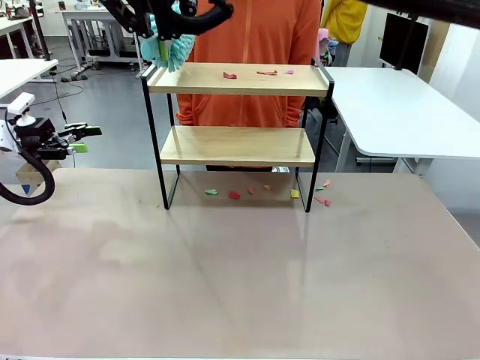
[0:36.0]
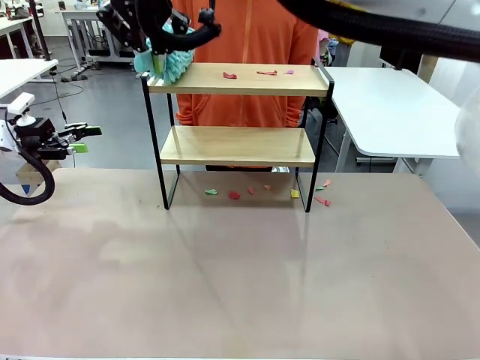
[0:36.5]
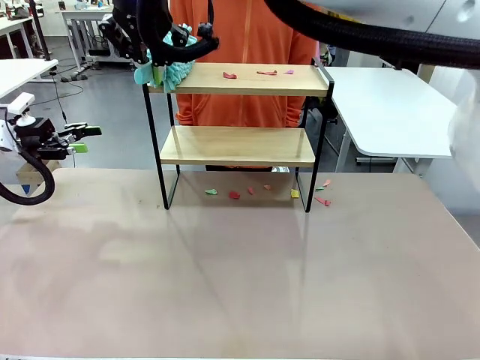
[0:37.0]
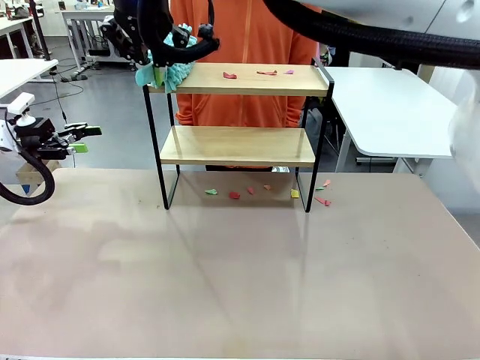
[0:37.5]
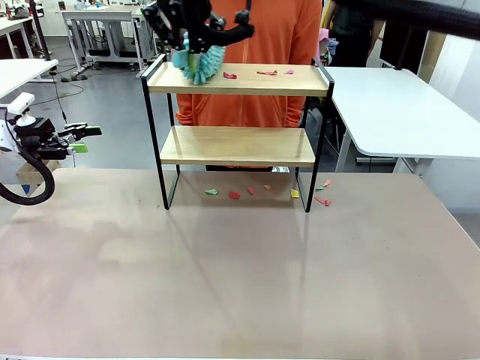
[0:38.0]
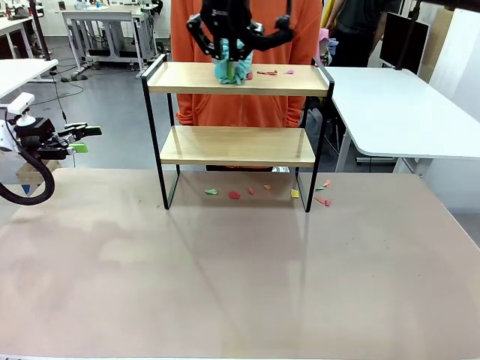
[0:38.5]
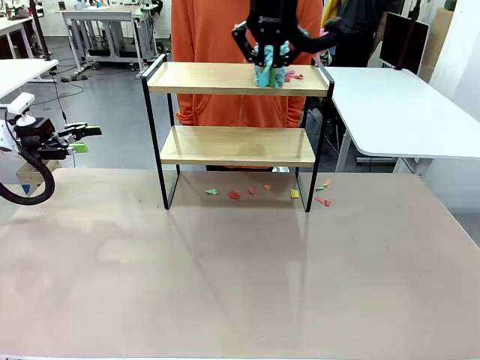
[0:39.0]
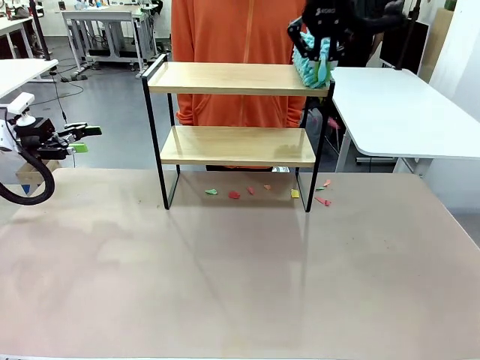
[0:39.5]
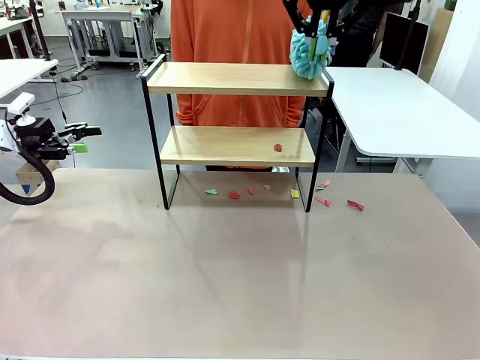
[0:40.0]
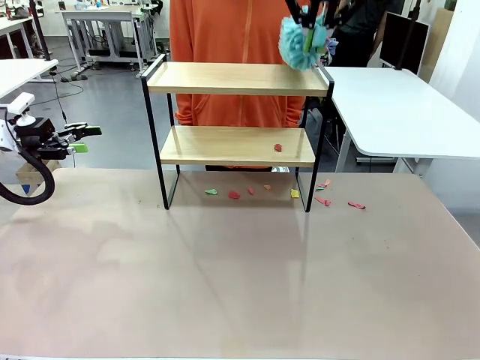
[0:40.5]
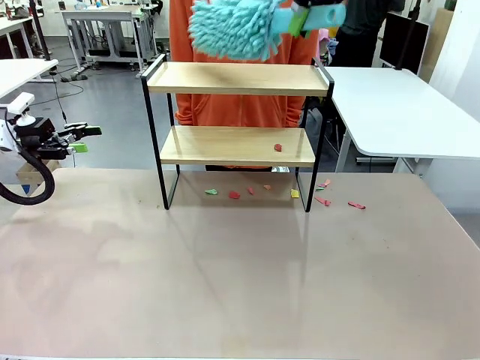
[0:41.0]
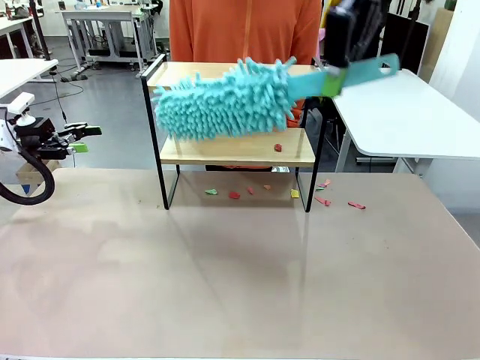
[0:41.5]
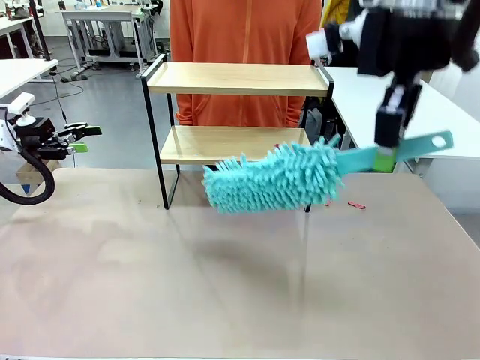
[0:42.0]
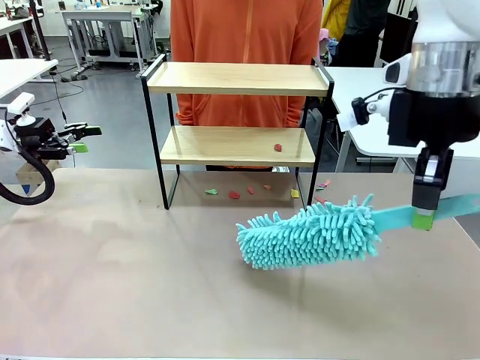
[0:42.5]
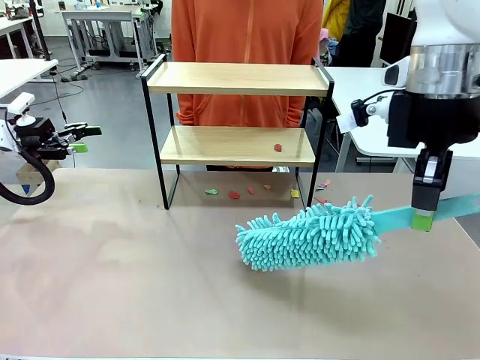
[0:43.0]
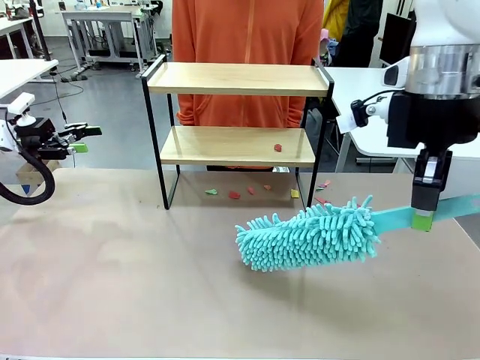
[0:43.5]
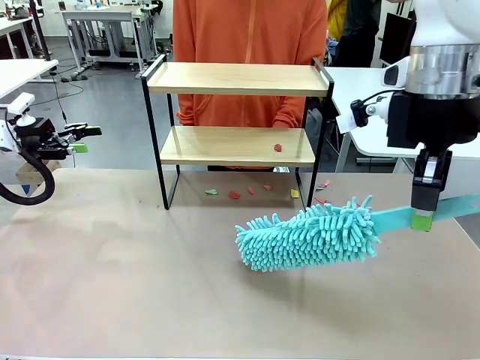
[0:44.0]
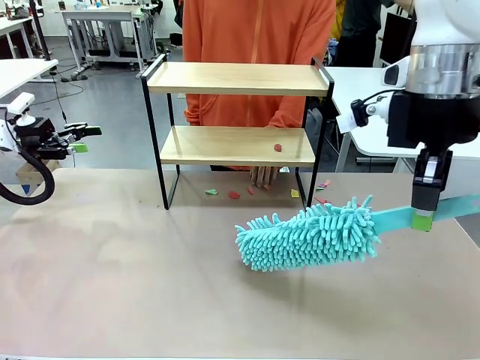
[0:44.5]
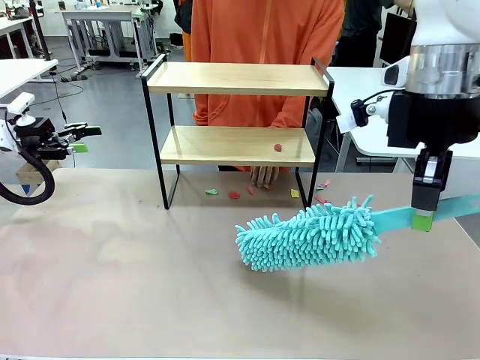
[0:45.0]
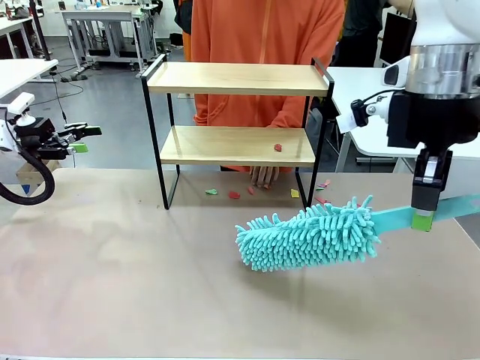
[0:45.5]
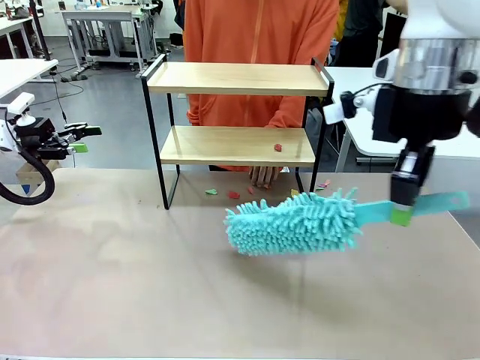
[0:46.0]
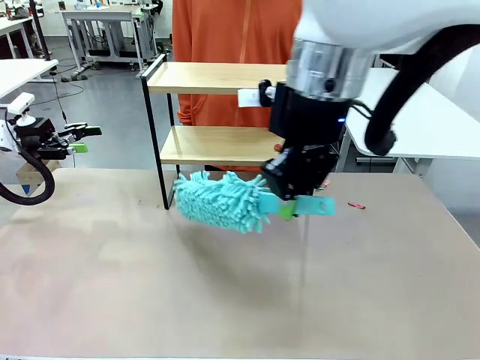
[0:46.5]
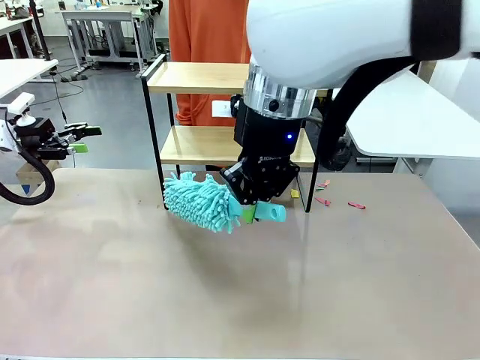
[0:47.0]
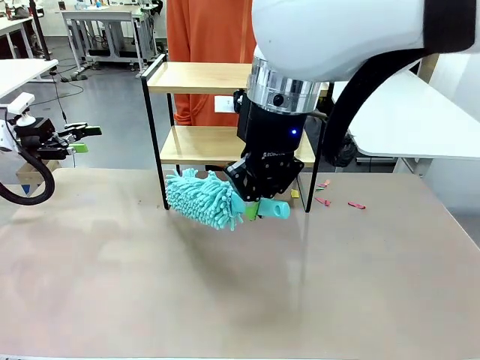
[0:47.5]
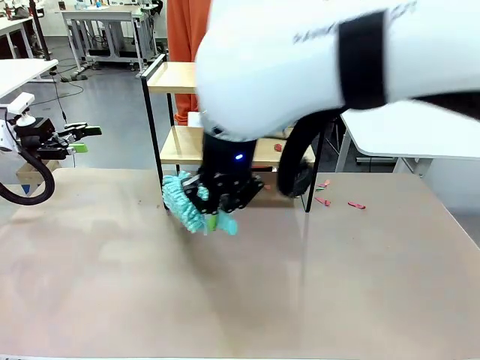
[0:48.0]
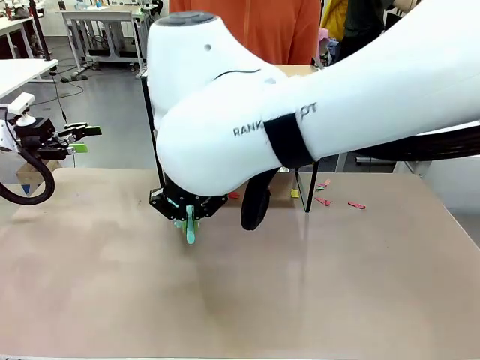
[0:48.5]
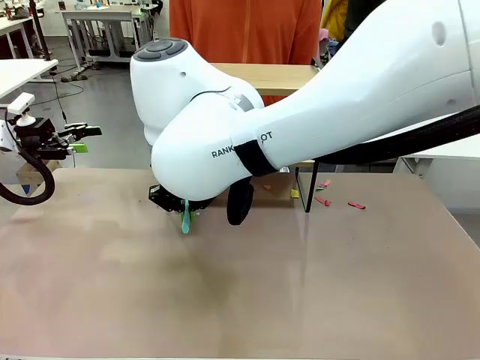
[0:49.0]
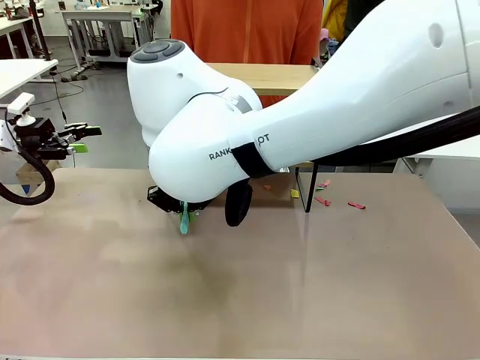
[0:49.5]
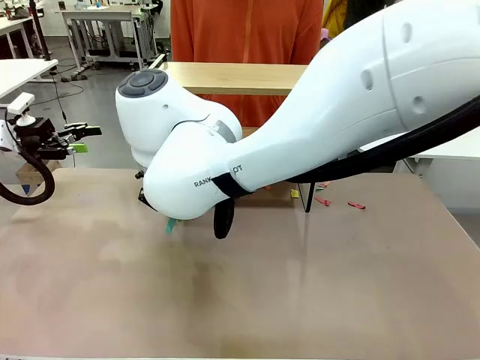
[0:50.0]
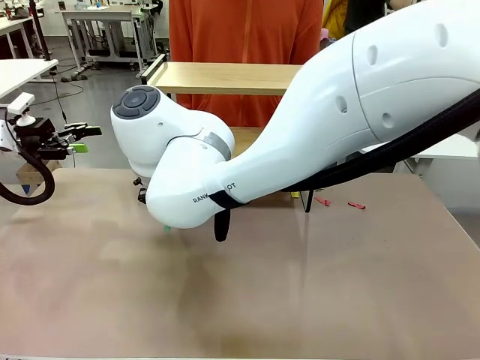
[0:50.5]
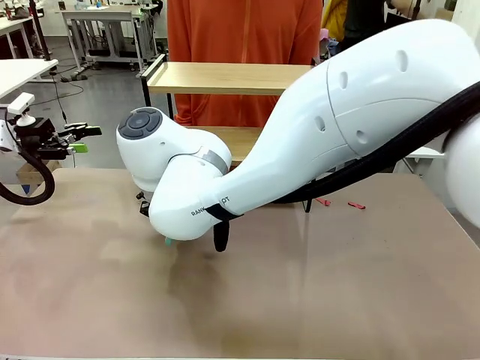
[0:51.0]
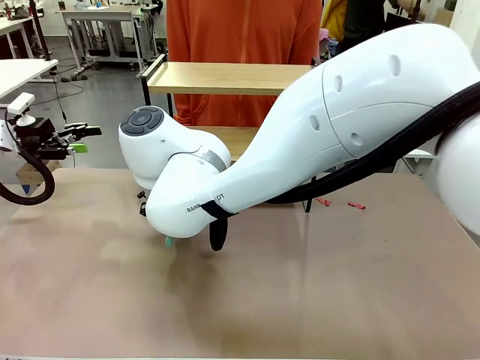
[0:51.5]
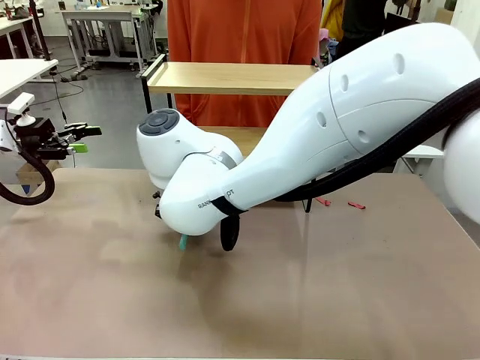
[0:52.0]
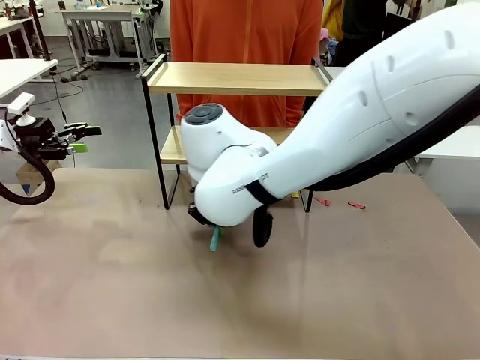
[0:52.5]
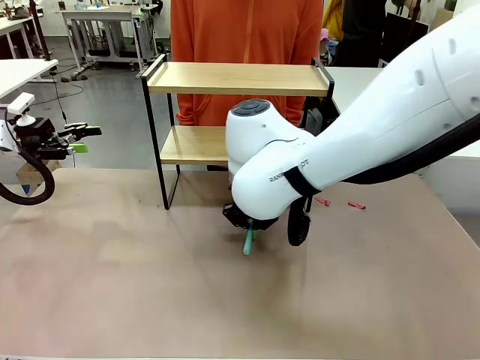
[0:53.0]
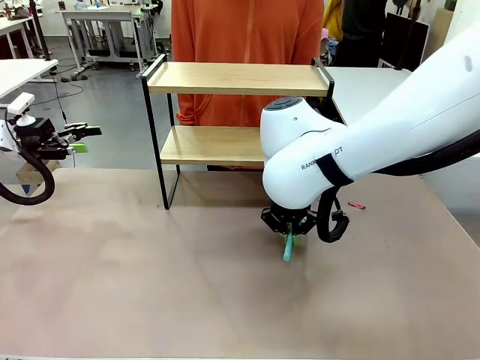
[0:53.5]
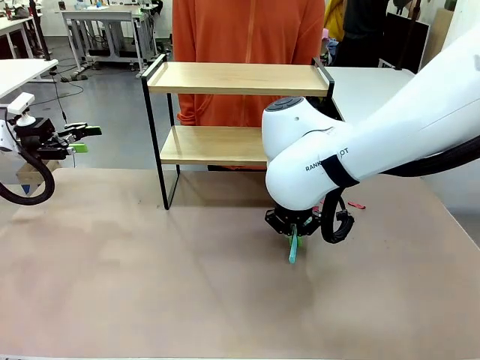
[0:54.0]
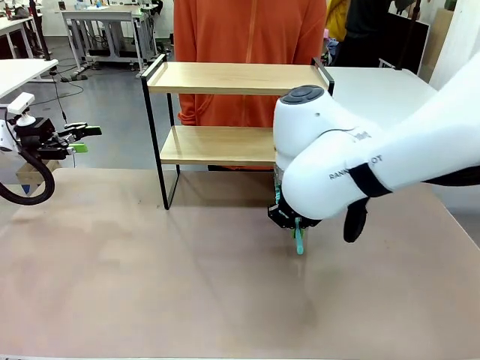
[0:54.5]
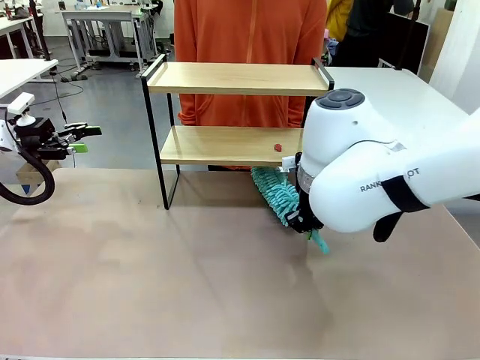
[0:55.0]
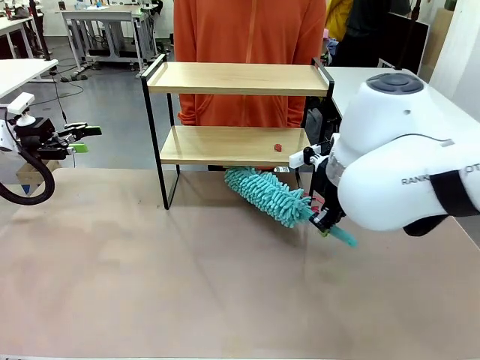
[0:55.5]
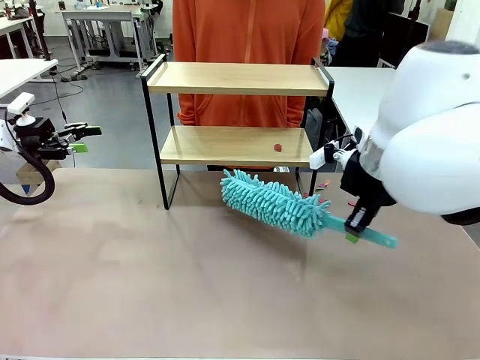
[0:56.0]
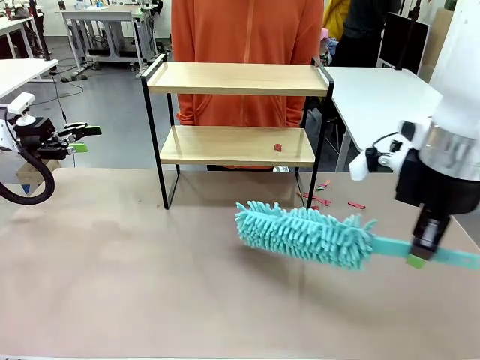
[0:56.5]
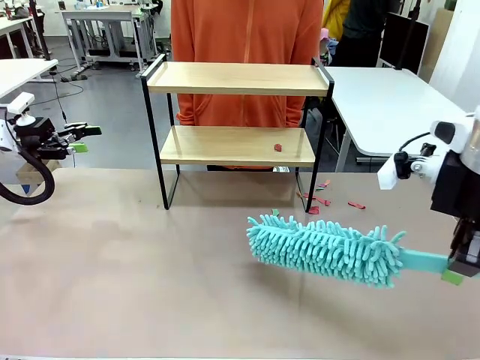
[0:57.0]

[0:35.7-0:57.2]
Task: Clean the shelf.
Robot: Clean the specific section of the Shelf indicated by the human with the Duster.
Person: Point a remaining section of the Shelf.
